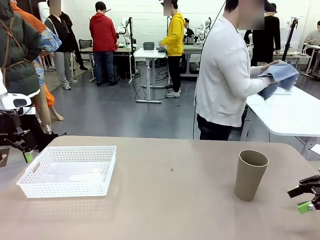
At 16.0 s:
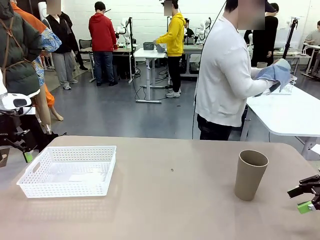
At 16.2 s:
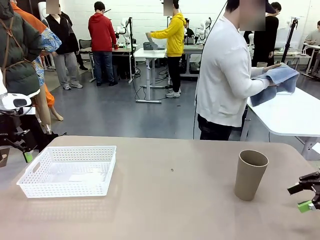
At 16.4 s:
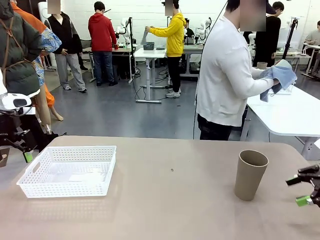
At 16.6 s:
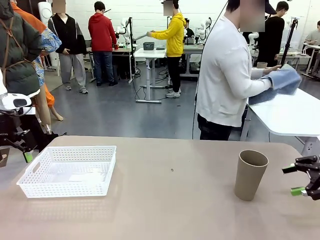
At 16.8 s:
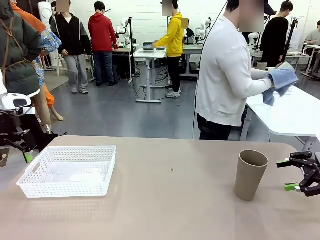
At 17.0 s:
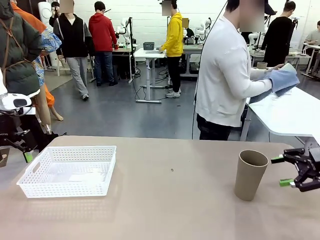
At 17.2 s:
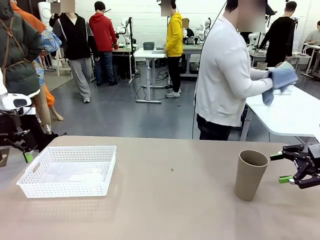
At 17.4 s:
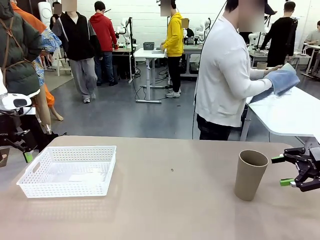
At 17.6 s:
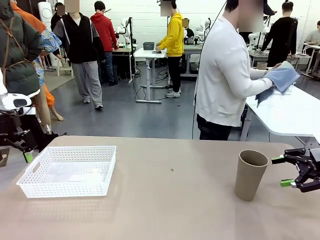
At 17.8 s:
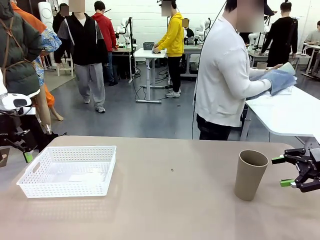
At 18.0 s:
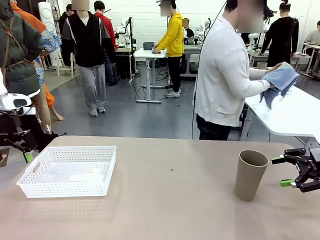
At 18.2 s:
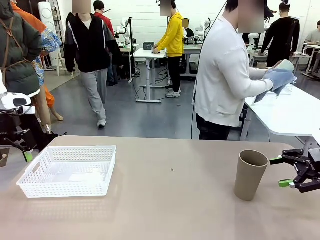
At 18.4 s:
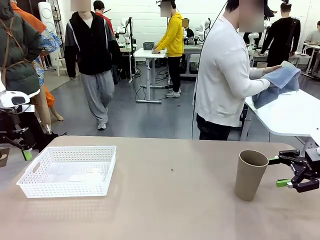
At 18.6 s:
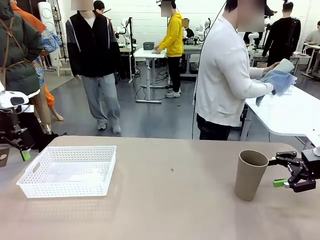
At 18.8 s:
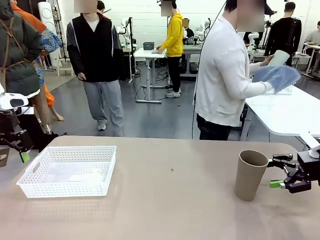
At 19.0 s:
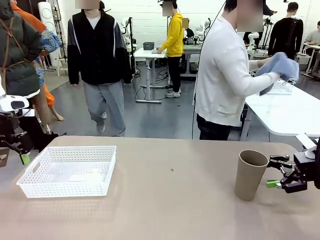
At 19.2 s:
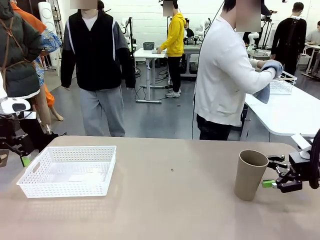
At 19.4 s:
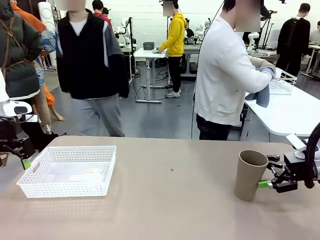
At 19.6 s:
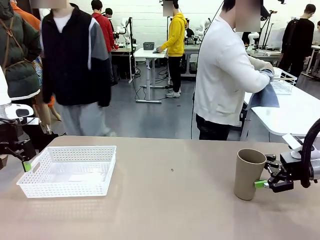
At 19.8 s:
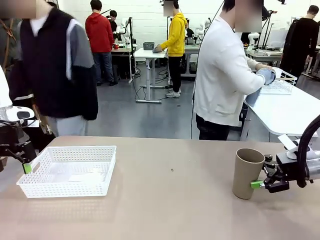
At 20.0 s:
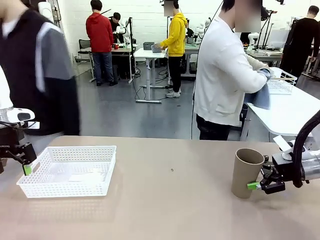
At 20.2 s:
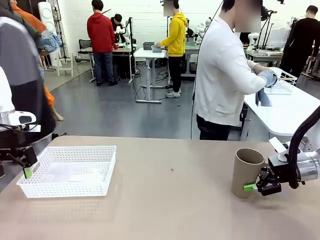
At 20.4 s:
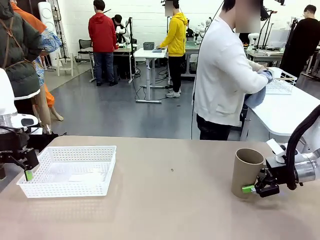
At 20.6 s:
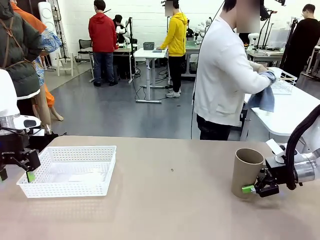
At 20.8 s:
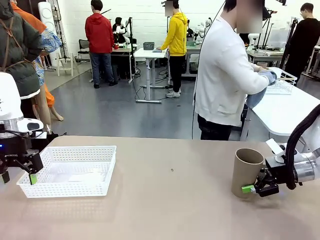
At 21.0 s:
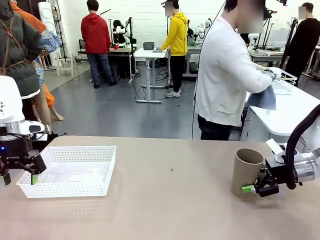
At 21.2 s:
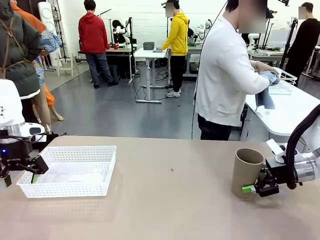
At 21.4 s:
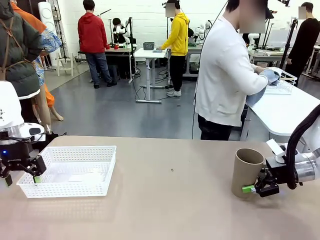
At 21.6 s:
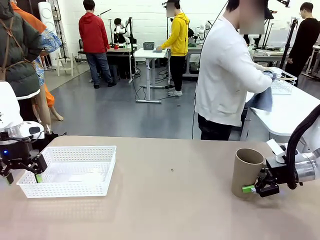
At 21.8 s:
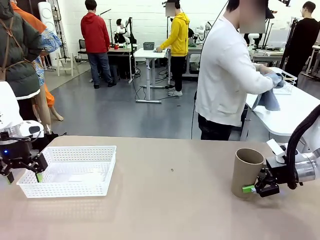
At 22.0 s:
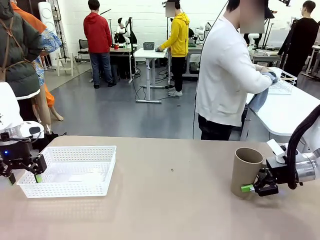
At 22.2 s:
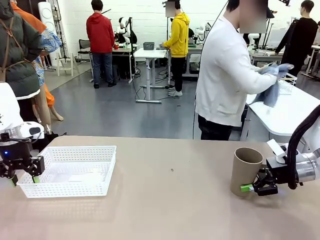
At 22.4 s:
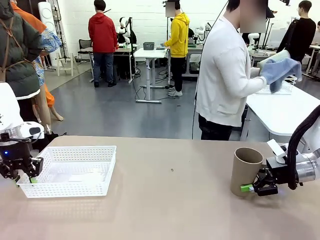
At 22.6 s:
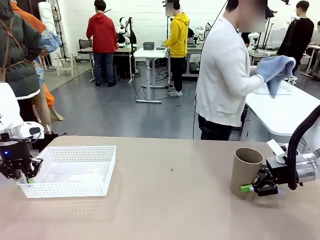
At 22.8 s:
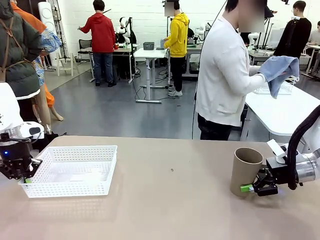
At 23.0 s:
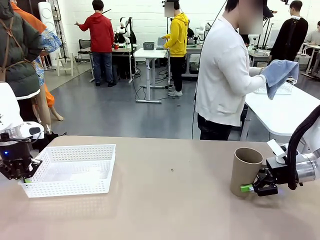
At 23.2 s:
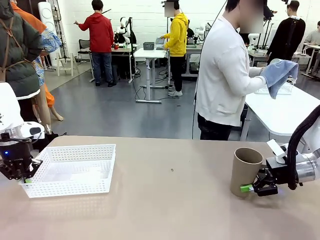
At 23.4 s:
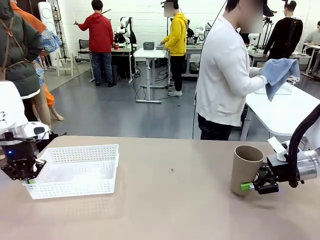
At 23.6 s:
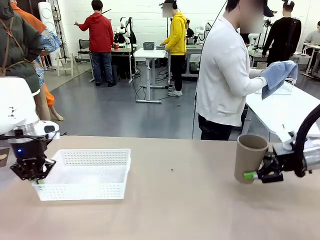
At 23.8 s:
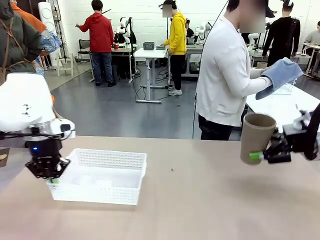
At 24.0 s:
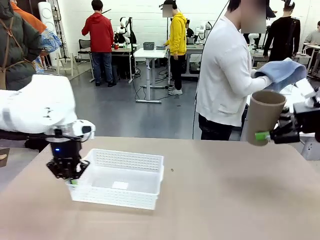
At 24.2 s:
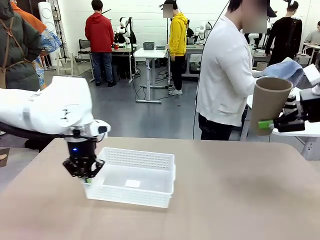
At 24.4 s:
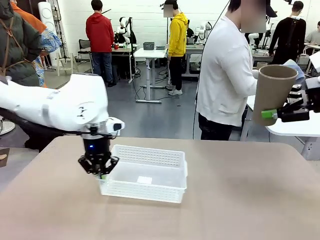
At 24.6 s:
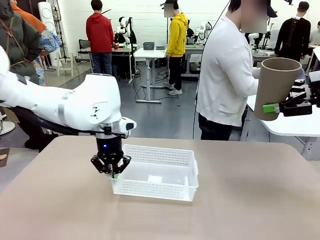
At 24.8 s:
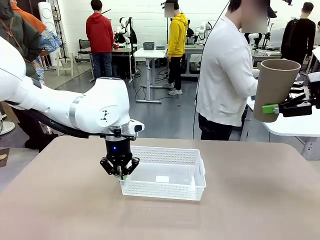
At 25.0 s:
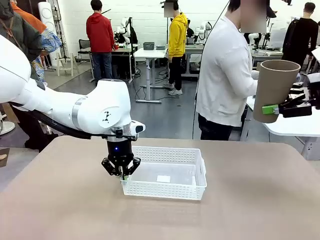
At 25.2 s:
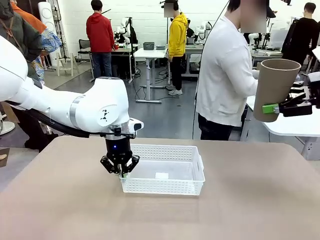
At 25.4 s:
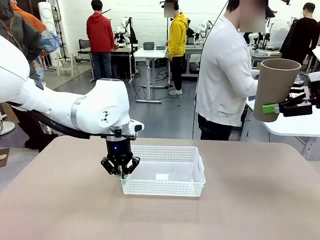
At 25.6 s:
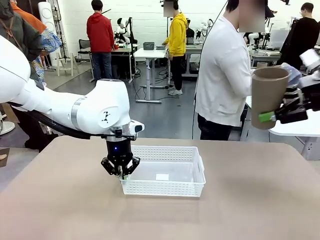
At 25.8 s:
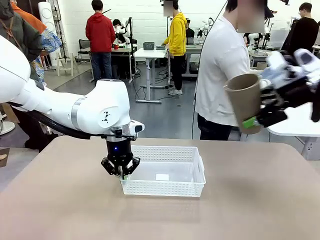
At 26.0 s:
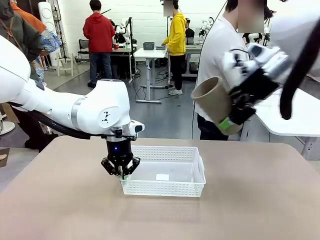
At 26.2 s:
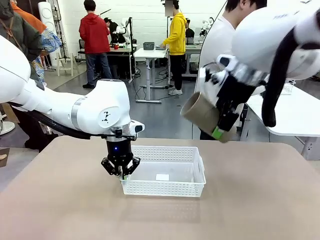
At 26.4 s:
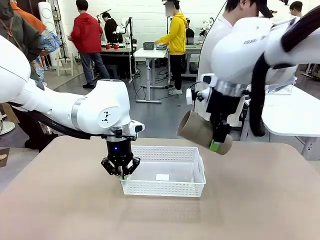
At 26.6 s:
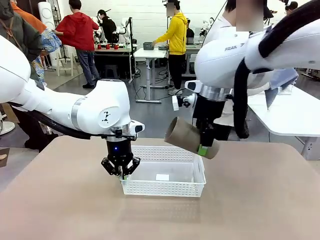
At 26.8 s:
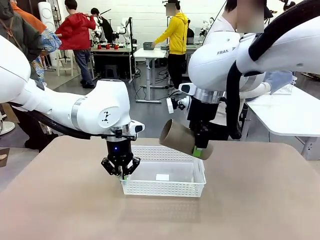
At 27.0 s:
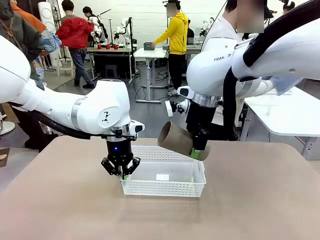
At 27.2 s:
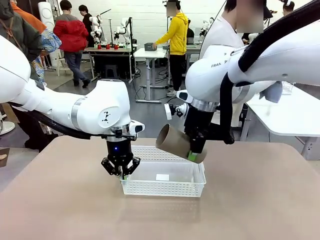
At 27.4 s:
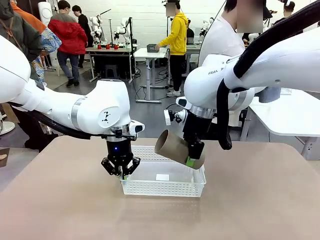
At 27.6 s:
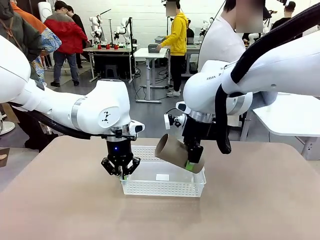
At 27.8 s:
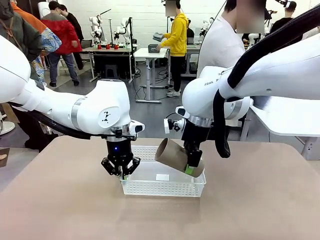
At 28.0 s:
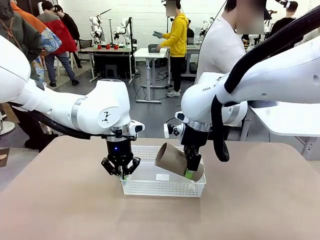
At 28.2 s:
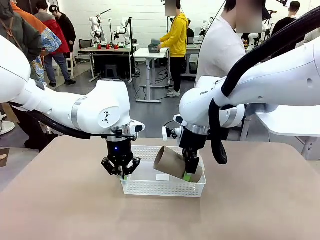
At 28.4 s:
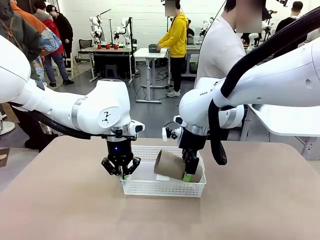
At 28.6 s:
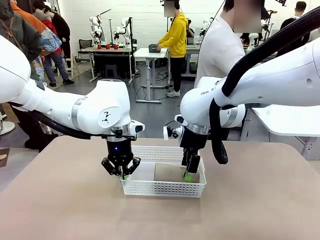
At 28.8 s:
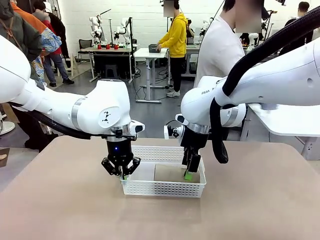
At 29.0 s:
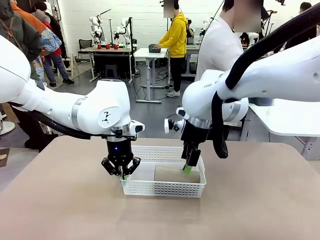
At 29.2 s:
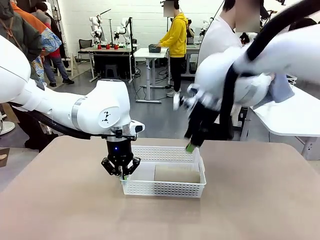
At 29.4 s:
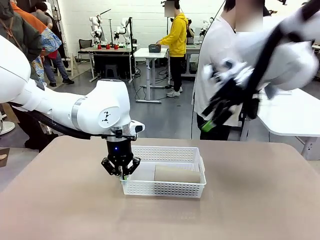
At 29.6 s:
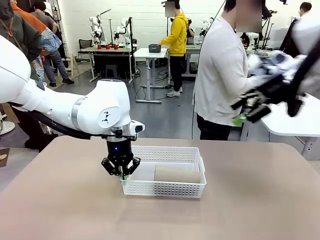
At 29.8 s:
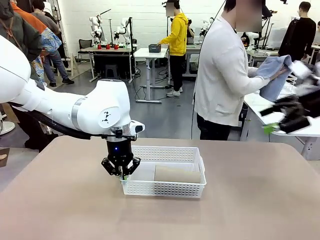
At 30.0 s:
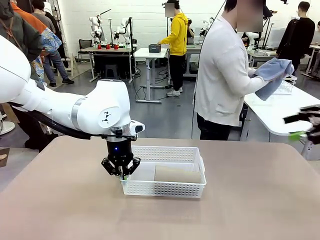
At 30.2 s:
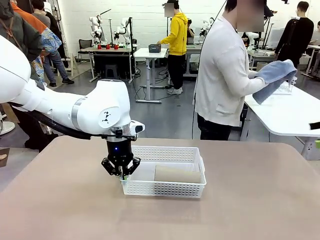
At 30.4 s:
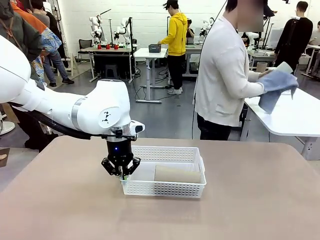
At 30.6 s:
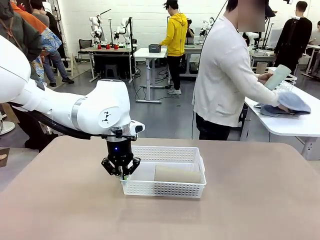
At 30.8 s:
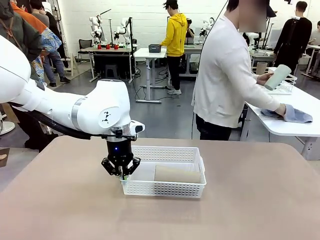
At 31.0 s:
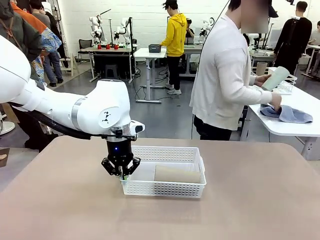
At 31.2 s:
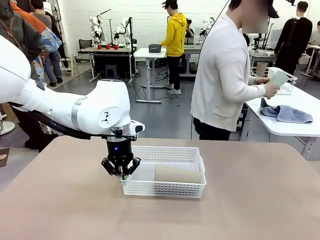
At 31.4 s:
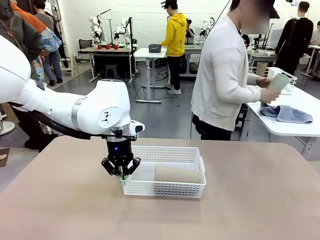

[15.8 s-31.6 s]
Task: Clean and organize the cups into the basket.
Robot: Pick up the Organizing basket and move it to the center of the table, then pick up the Reusable plastic cup from the right side of the table and place it inside the Organizing basket.
